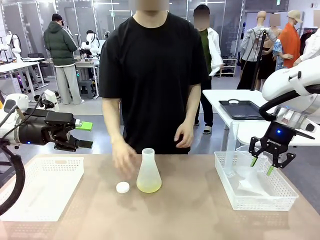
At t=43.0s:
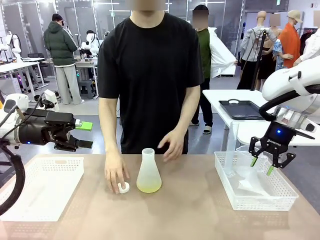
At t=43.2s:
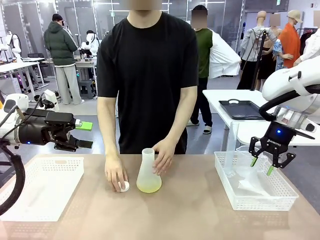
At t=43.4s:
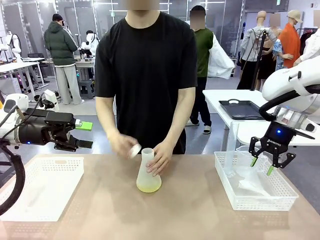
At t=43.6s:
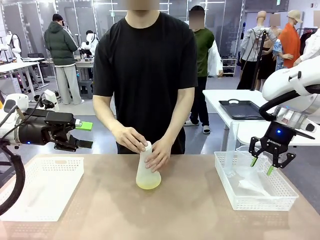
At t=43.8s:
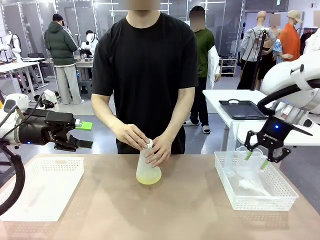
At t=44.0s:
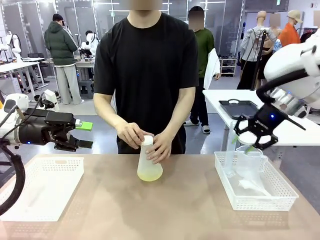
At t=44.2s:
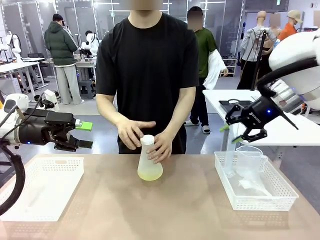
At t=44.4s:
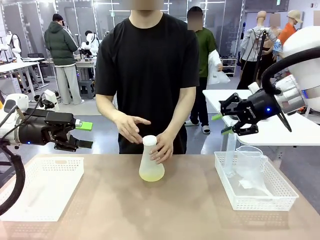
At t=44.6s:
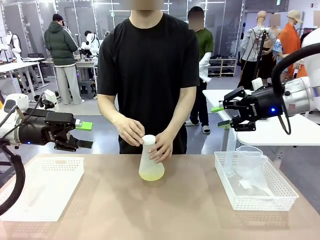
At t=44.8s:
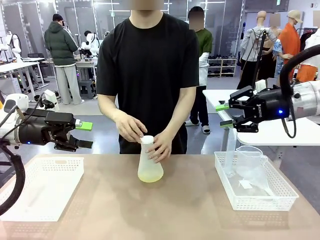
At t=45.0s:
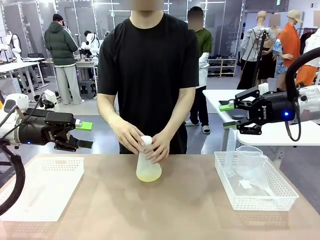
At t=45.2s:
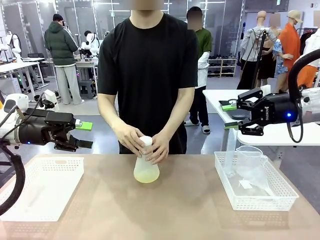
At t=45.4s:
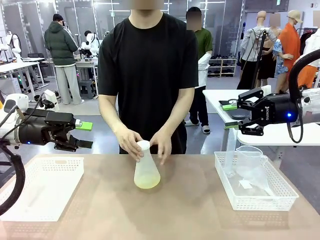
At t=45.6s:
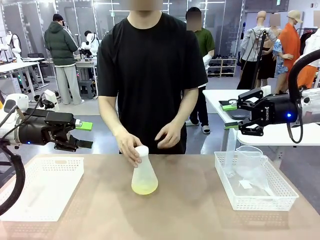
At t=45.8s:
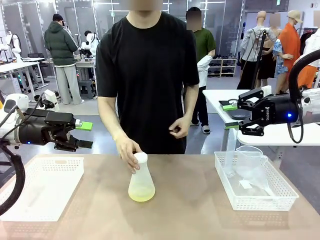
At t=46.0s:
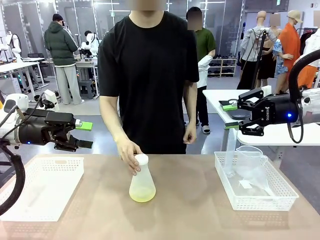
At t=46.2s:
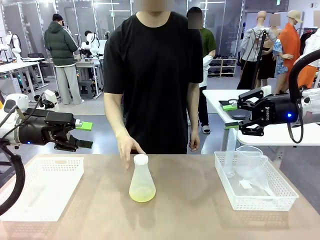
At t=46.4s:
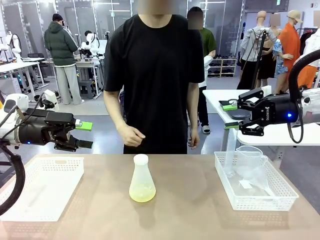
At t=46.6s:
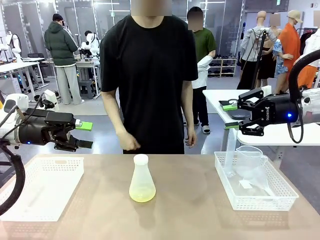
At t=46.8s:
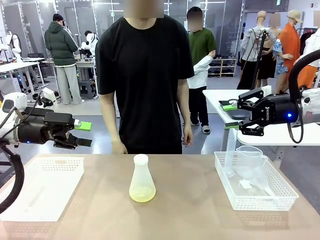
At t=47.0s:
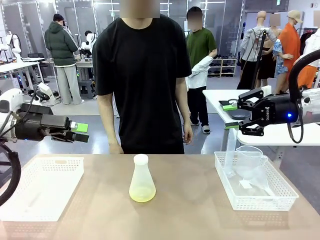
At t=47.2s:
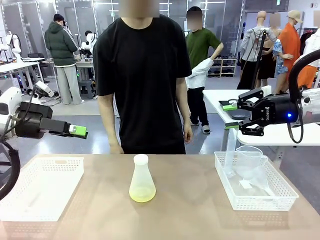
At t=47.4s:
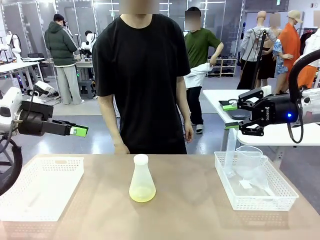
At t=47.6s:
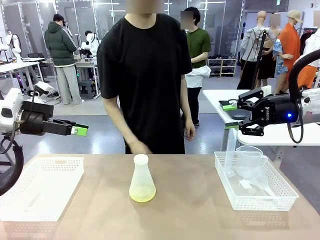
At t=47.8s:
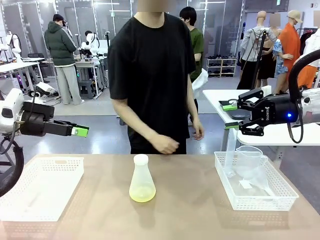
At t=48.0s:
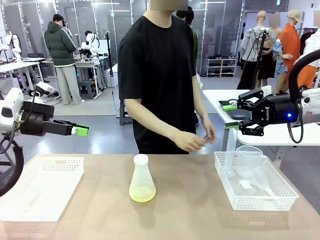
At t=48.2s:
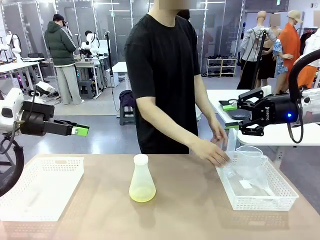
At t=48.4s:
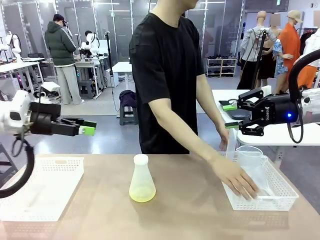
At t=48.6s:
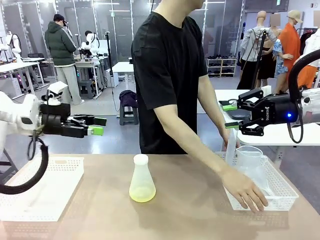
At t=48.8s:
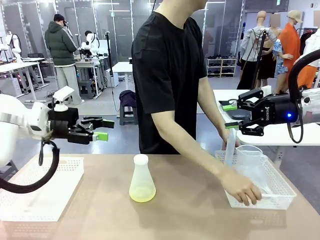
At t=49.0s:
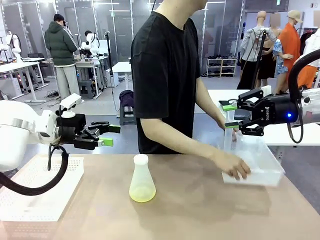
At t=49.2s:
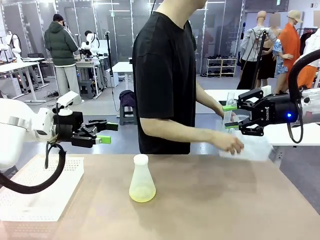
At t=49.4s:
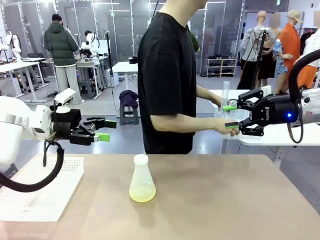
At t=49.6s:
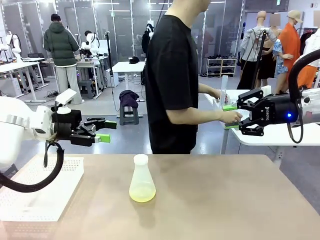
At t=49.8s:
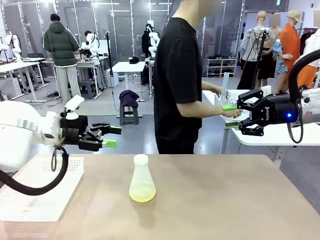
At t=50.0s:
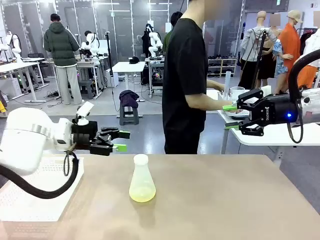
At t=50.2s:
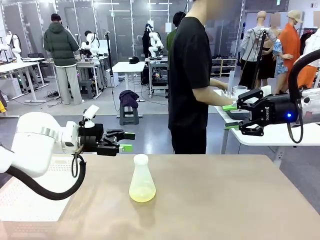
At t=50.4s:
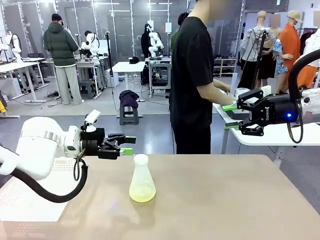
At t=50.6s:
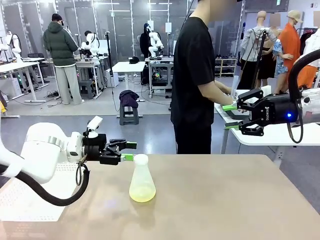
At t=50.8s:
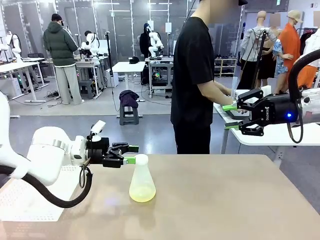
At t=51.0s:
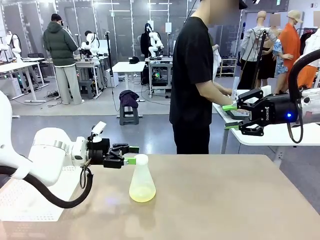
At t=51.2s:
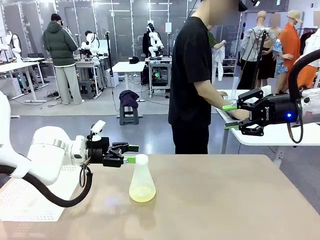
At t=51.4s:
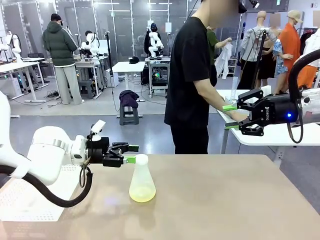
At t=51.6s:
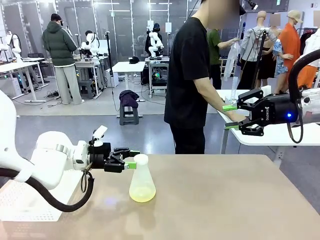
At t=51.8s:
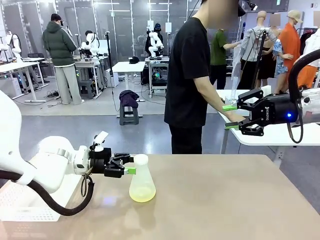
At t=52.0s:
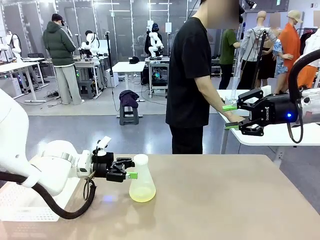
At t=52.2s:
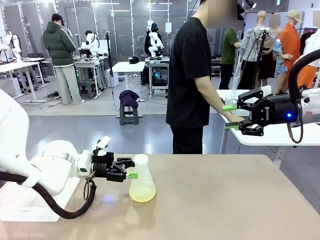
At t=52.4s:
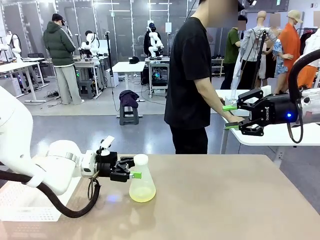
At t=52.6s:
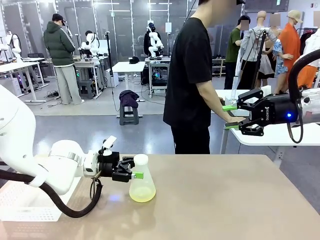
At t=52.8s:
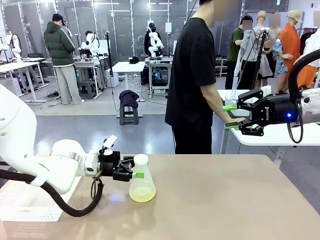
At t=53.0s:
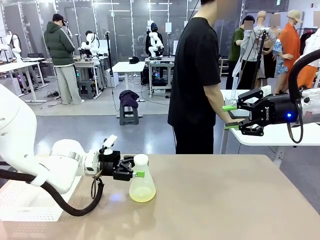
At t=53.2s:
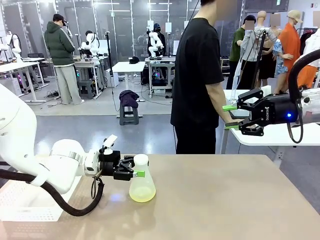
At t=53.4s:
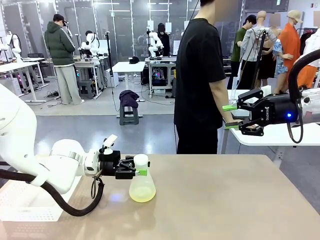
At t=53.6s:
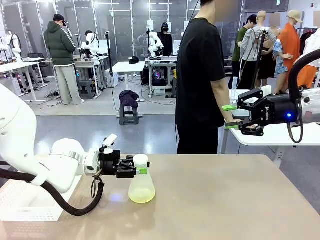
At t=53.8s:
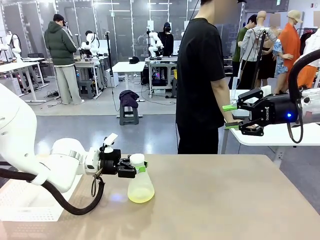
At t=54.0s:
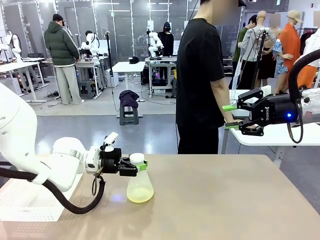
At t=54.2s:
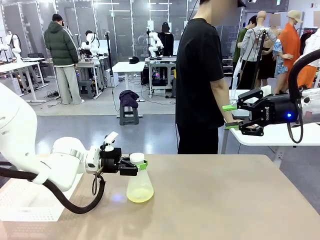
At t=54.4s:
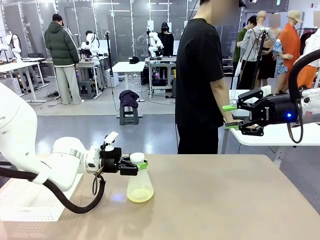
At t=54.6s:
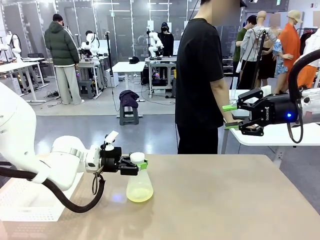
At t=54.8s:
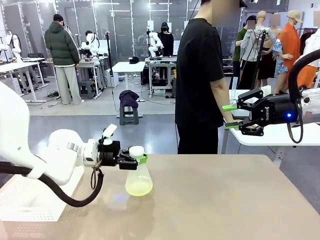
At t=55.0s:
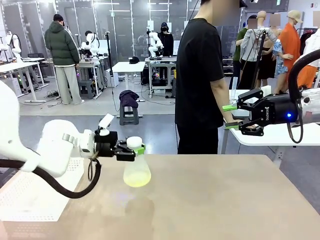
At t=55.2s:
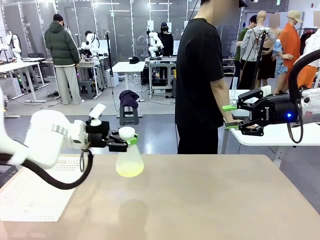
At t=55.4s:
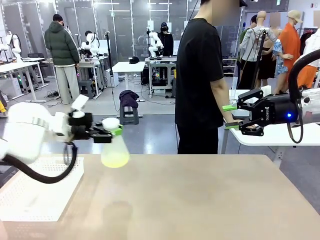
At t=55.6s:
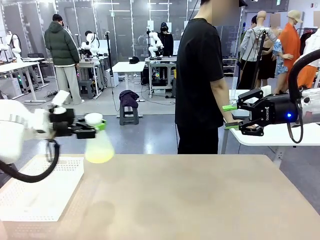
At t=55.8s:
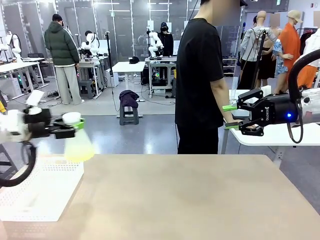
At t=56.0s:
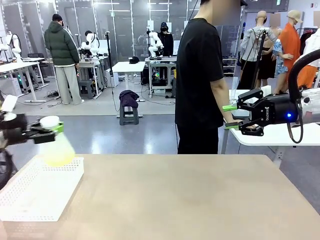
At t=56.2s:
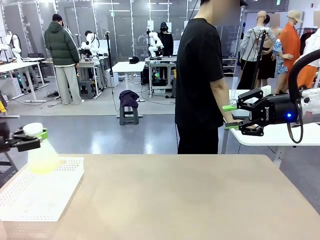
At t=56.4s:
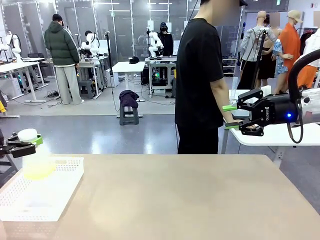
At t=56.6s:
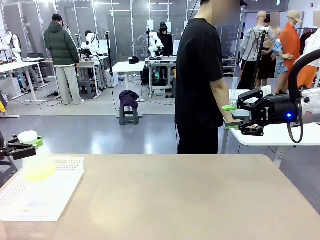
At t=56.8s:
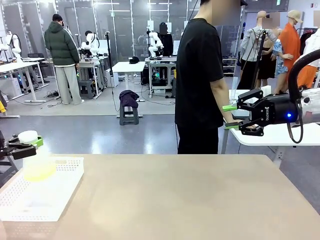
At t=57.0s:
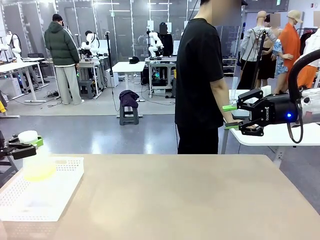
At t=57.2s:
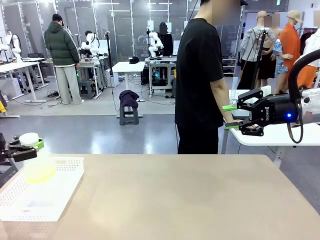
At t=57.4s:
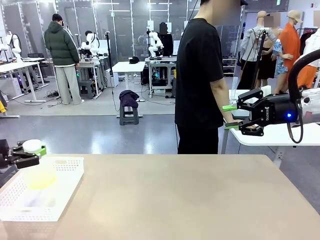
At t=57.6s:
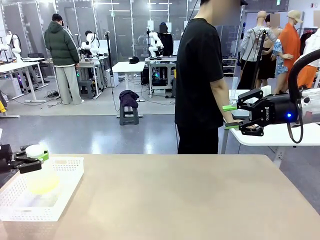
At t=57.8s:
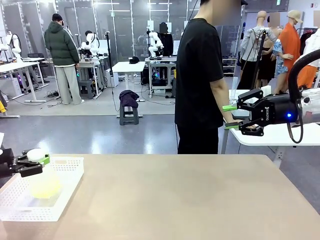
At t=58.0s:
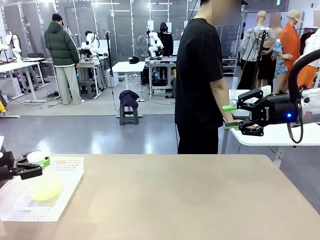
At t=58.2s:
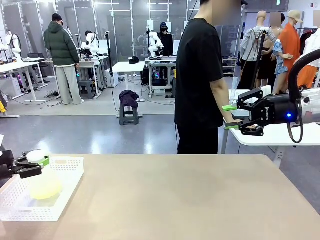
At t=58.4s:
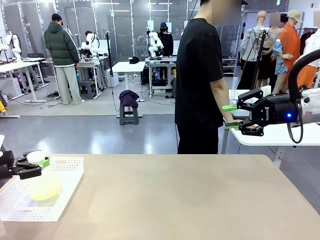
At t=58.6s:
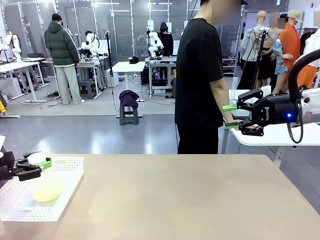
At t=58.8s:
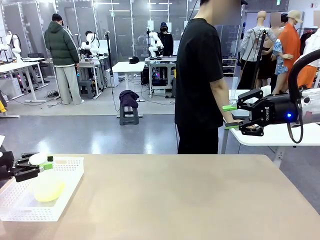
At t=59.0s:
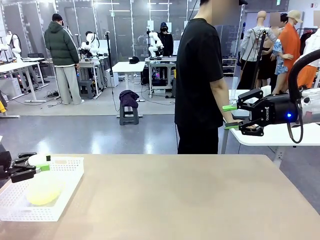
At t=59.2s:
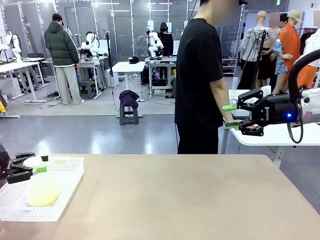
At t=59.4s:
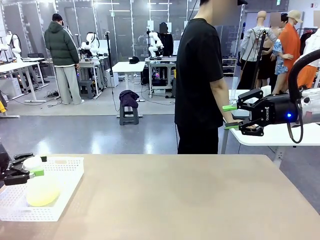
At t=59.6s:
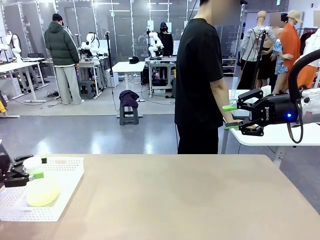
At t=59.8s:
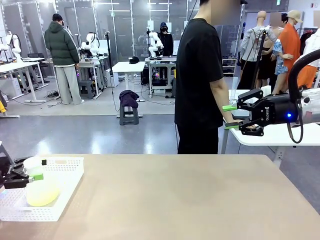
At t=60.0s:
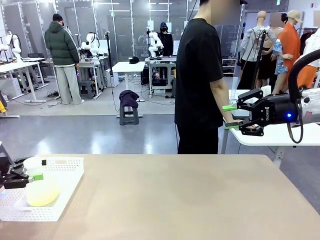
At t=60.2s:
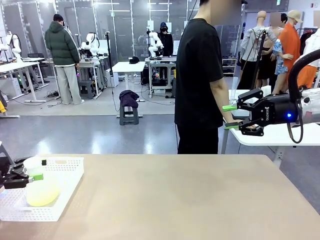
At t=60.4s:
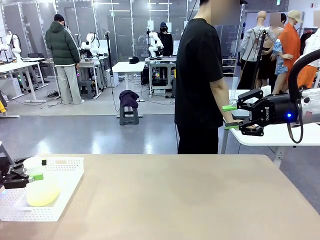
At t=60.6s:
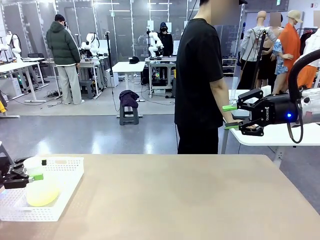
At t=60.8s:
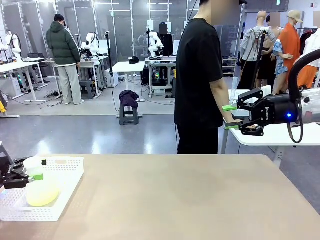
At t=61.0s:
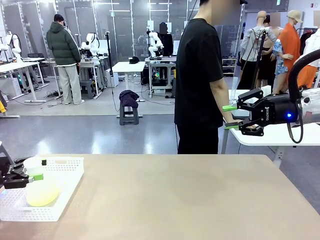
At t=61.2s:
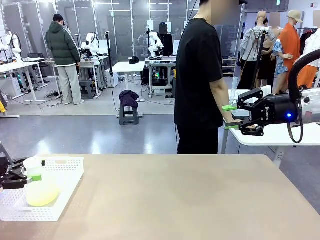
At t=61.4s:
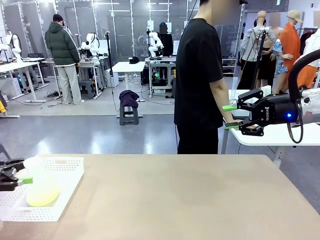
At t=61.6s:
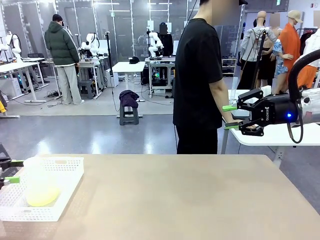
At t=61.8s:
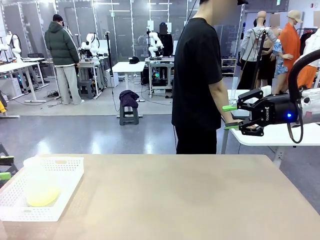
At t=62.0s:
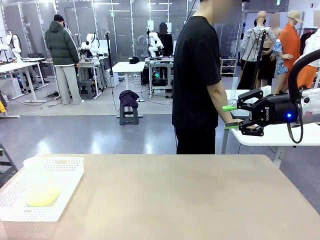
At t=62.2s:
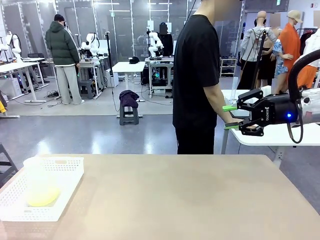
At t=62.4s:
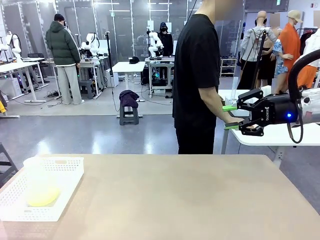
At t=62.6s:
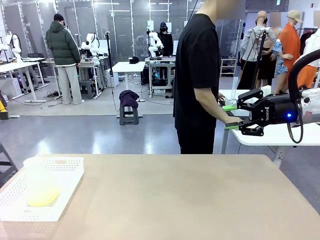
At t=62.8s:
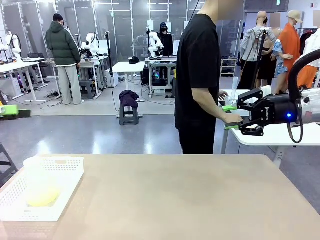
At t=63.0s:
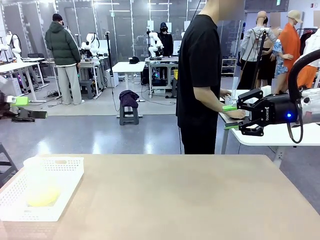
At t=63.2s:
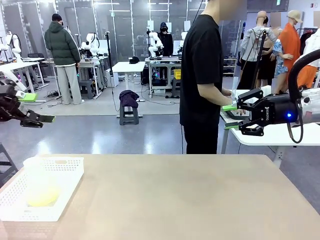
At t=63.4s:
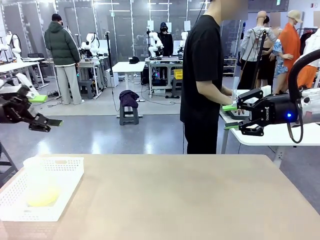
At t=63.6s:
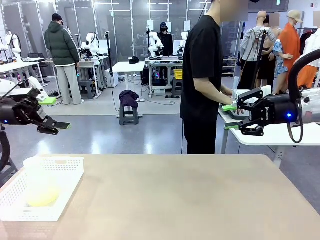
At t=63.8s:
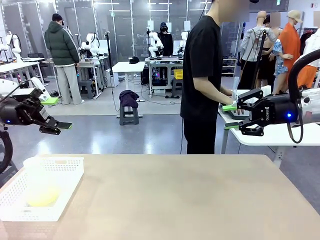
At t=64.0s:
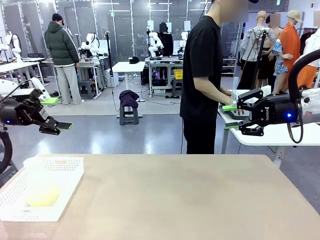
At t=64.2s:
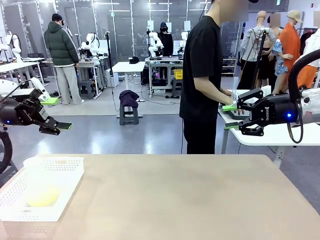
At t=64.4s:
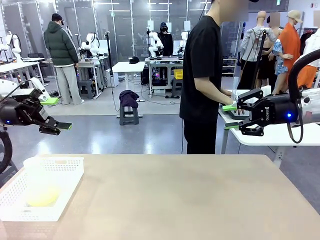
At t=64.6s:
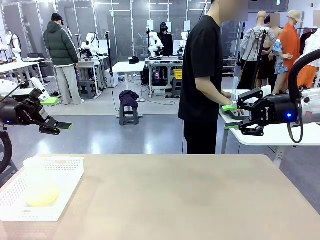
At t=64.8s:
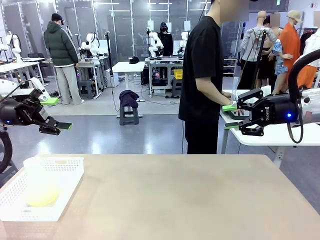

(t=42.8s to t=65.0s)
Task: Prepare the solutions needed for the experiment.
Robot: When the human places the Big flask in the center of the table, pick up the Big flask and place it in the left Organizing basket.
Person: Pick up the organizing basket on the left side of the robot table and place it on the left side of the human table.
